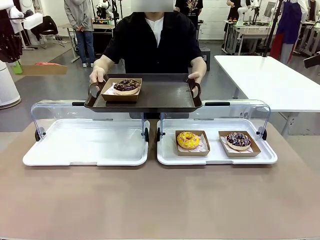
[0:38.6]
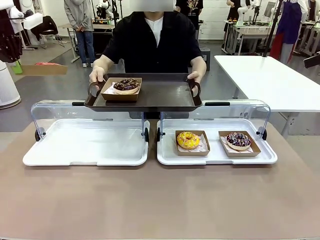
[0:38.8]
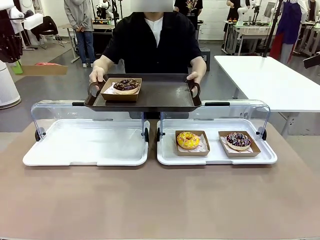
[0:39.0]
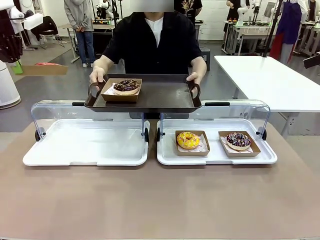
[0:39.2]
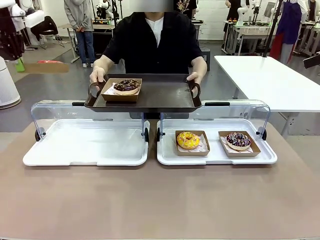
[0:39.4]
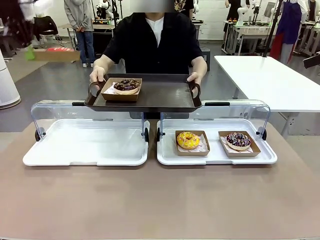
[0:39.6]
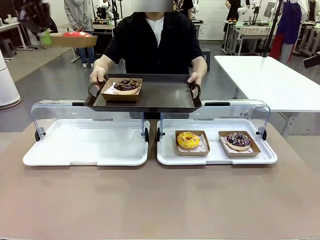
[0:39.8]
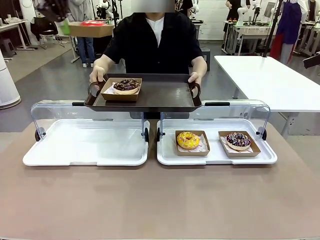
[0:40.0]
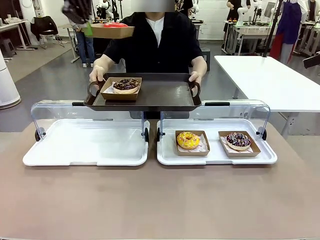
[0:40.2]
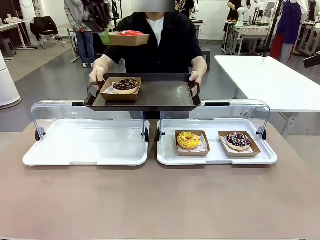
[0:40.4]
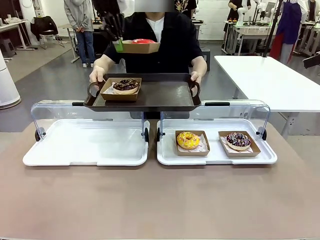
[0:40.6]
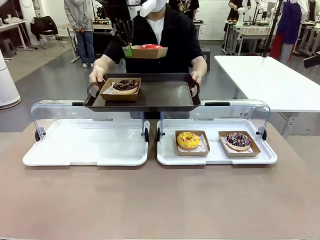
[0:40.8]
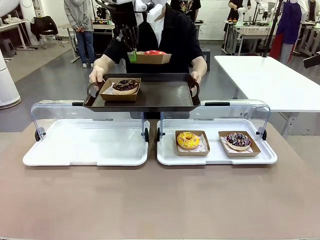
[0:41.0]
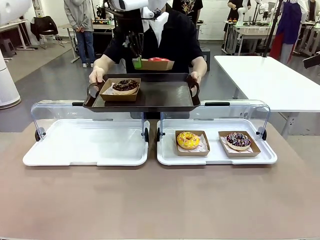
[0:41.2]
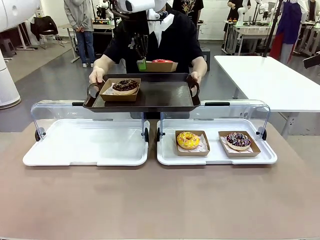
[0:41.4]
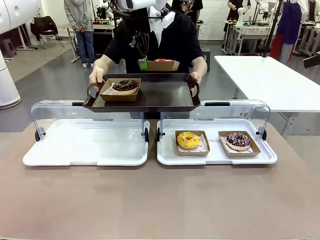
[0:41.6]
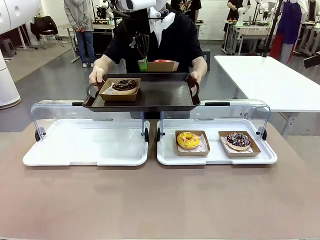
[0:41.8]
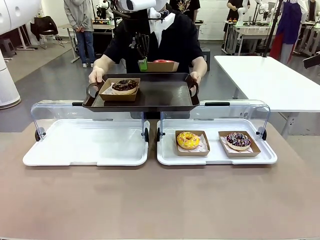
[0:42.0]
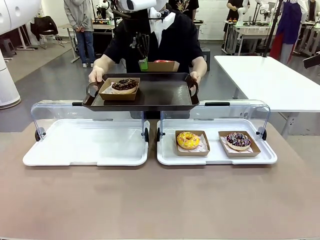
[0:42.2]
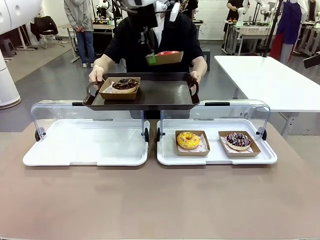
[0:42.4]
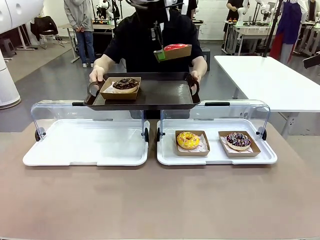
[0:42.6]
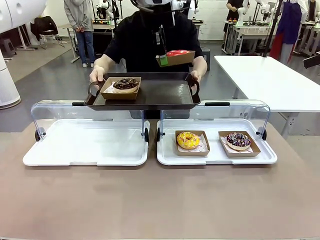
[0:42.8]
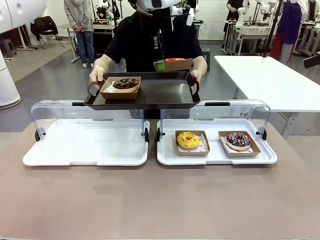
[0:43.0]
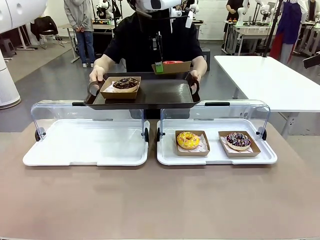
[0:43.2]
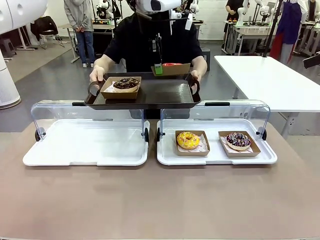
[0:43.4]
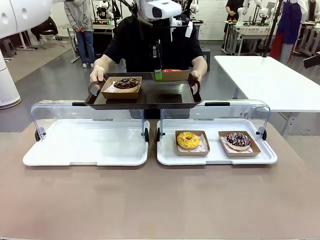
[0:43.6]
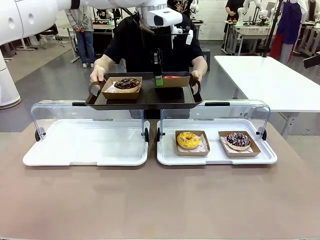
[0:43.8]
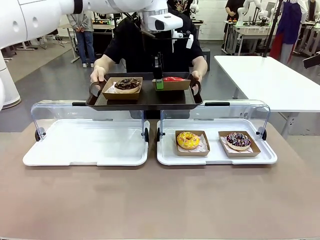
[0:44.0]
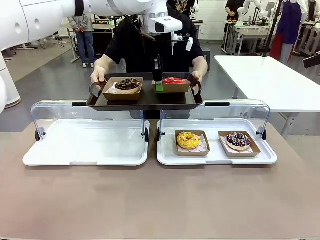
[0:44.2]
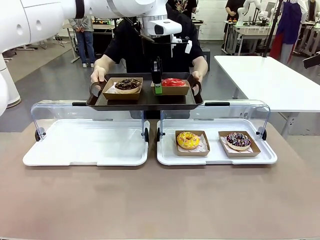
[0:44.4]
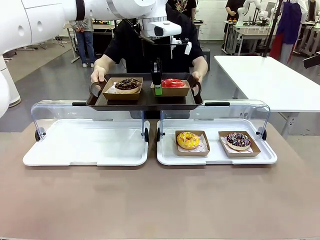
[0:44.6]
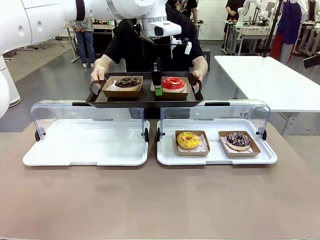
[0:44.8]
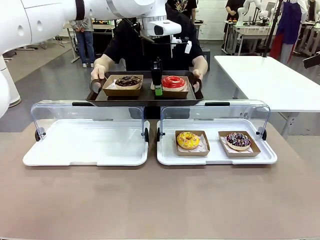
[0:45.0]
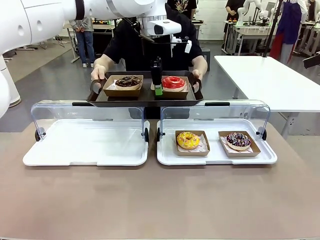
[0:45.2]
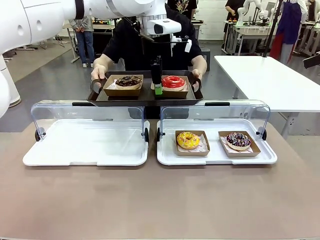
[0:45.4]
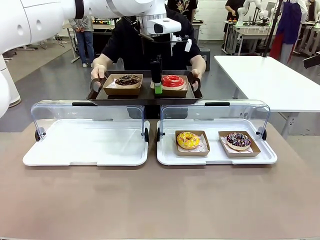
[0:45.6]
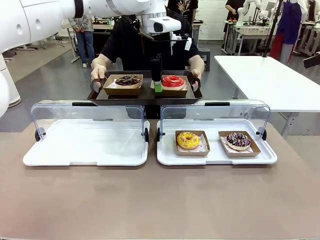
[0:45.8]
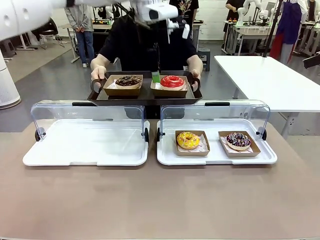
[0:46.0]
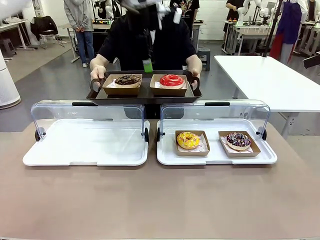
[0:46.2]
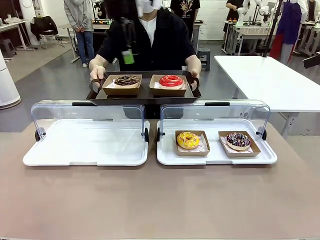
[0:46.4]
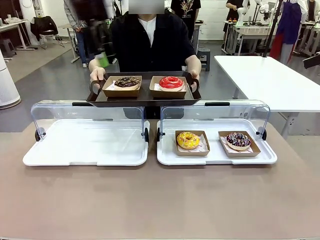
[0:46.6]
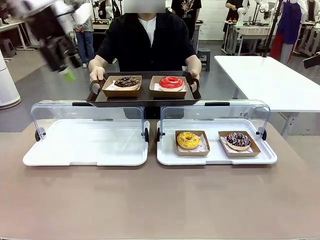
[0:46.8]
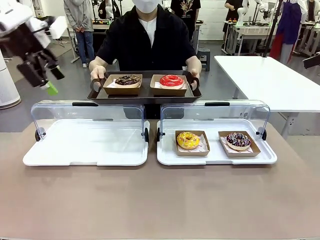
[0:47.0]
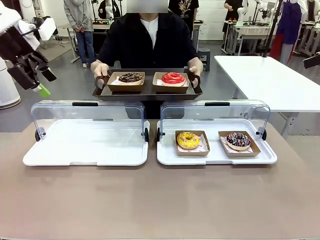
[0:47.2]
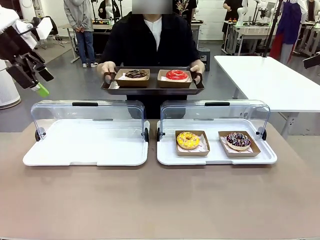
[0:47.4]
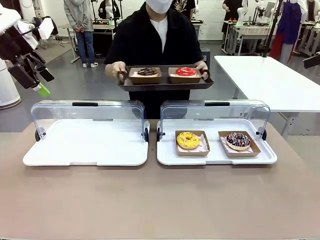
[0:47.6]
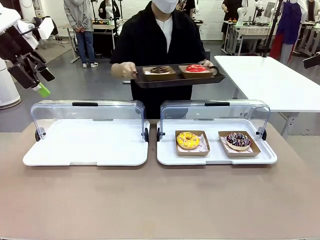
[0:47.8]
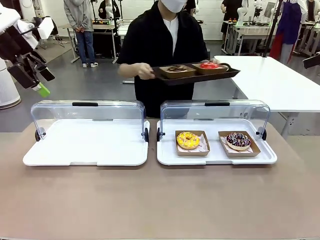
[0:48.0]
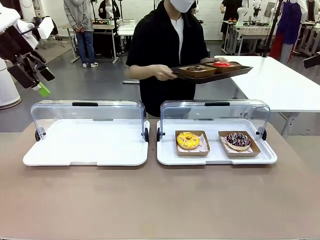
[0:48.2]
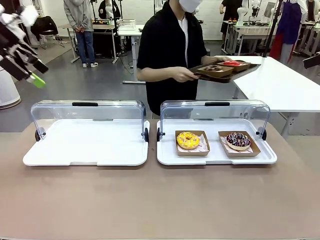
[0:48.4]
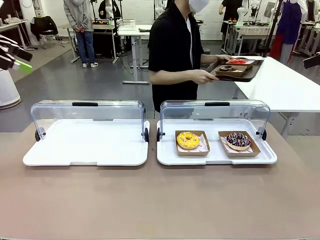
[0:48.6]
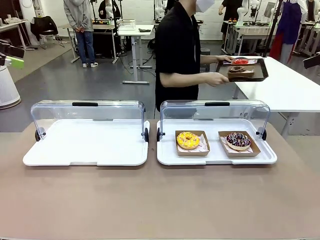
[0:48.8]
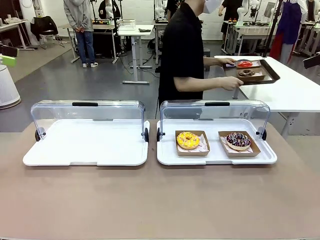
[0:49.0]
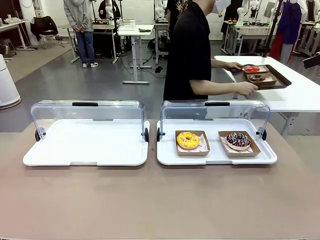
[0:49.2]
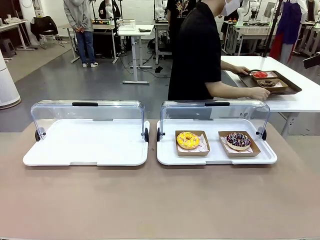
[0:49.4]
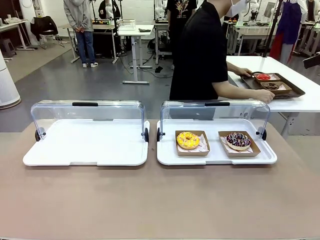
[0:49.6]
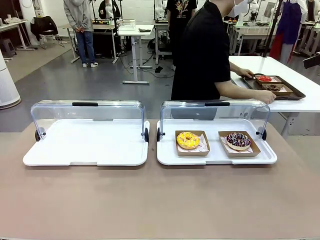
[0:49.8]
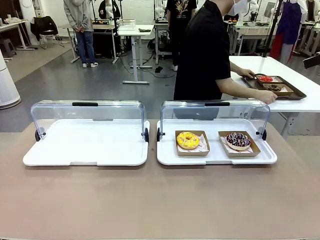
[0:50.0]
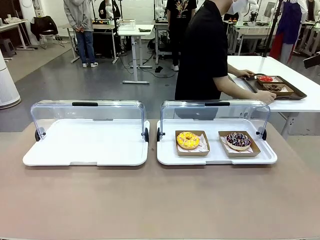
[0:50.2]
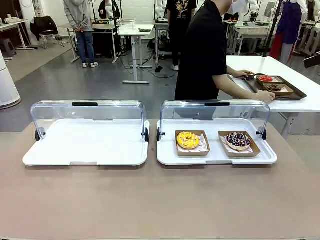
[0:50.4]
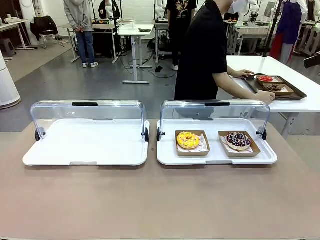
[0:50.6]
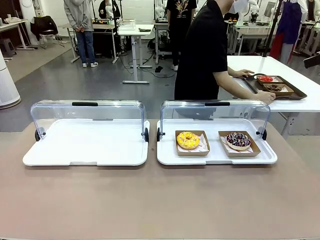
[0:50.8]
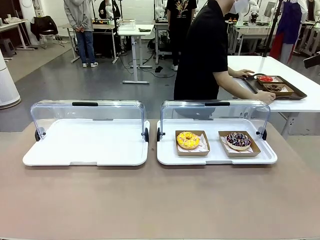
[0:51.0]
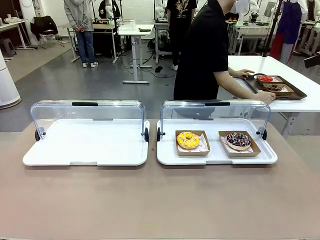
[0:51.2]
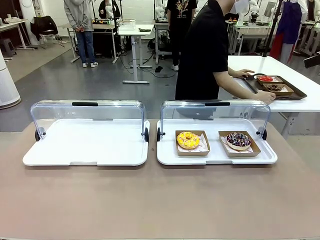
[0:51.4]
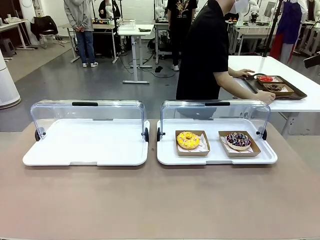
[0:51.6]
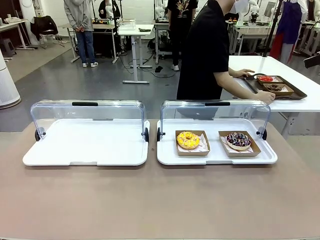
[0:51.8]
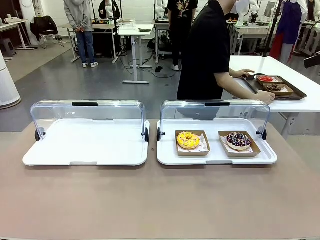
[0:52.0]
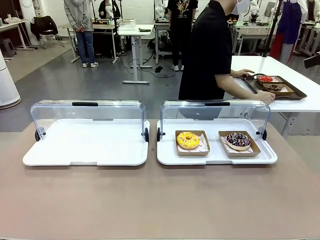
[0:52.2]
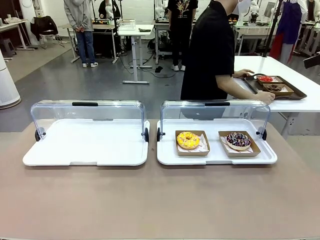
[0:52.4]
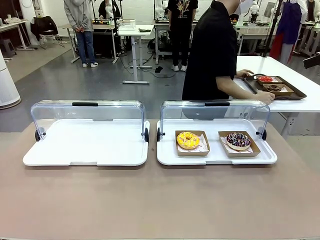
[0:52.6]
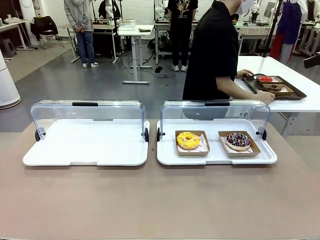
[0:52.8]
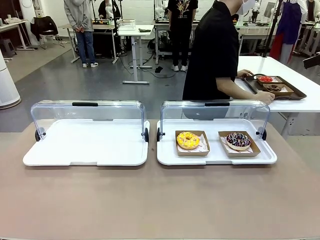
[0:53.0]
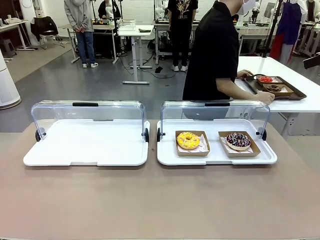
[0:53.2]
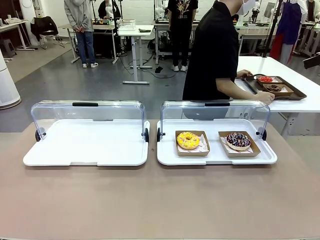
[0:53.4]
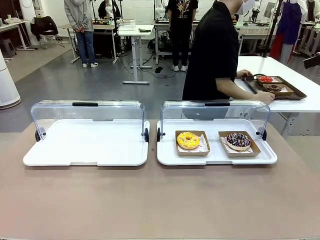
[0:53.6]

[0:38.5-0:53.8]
Task: Provide the desired donut to the person.
Robot: Place the picked Paper togo box onto the Handle tray extended by the person.
Person: Place the tray in the middle of the human table.
